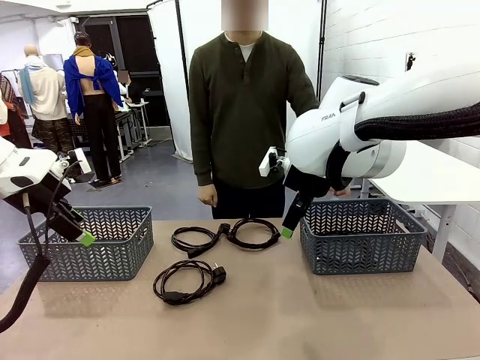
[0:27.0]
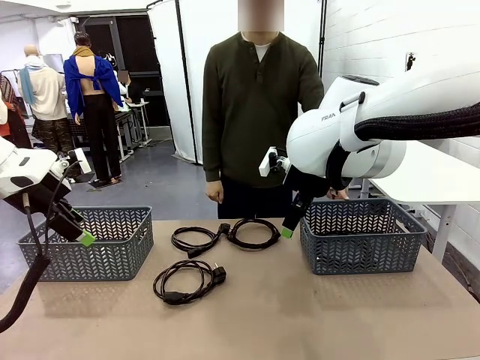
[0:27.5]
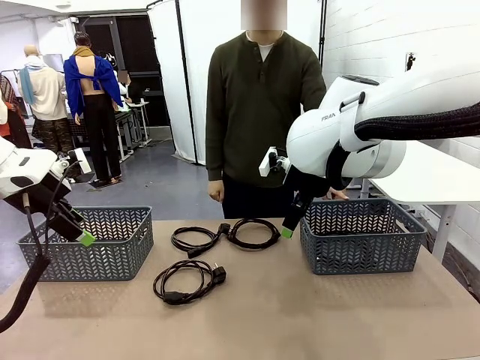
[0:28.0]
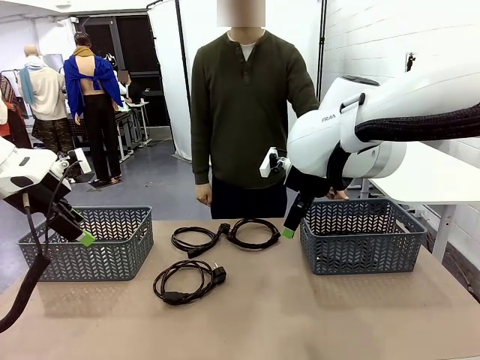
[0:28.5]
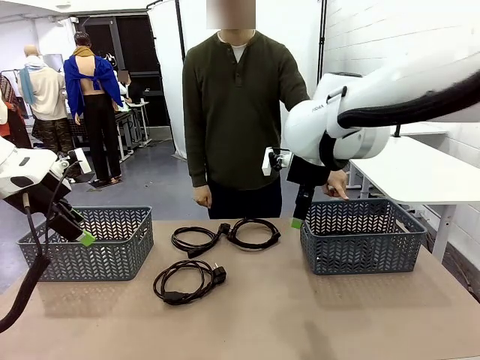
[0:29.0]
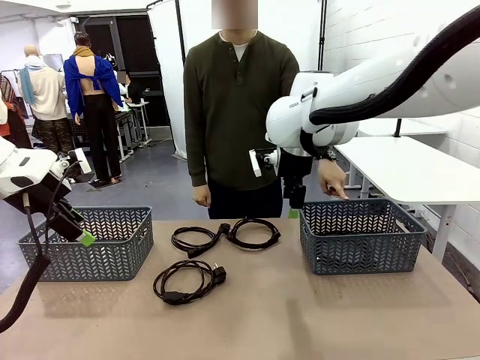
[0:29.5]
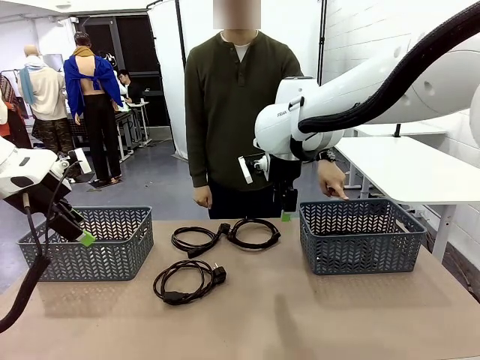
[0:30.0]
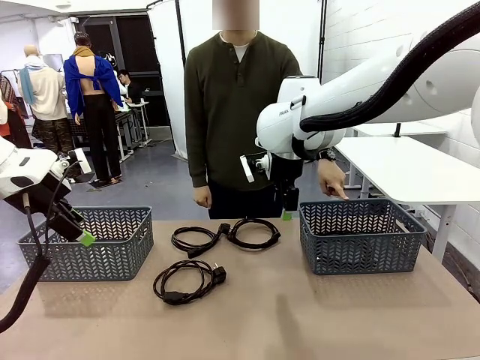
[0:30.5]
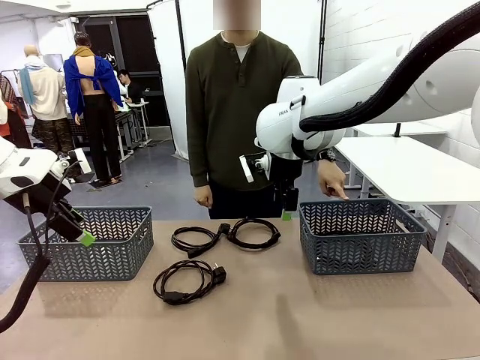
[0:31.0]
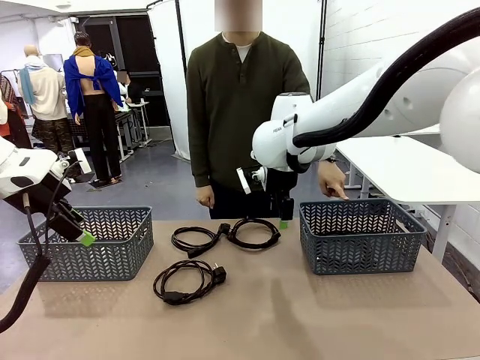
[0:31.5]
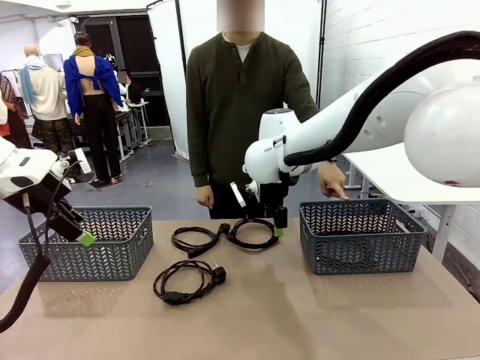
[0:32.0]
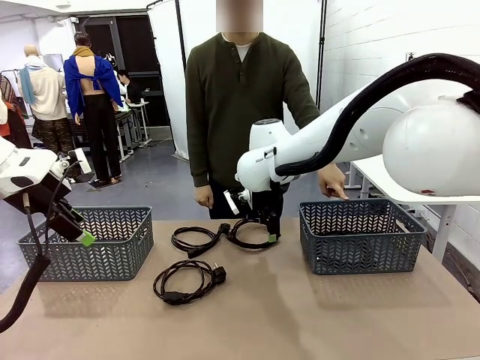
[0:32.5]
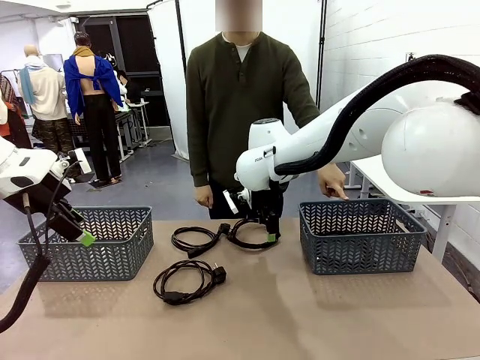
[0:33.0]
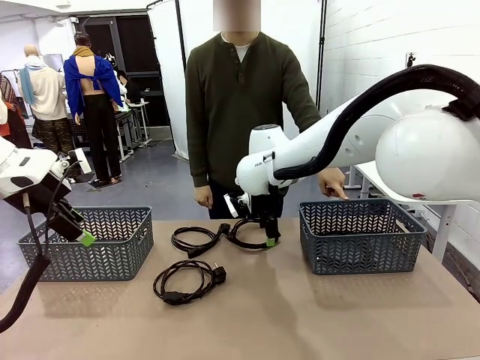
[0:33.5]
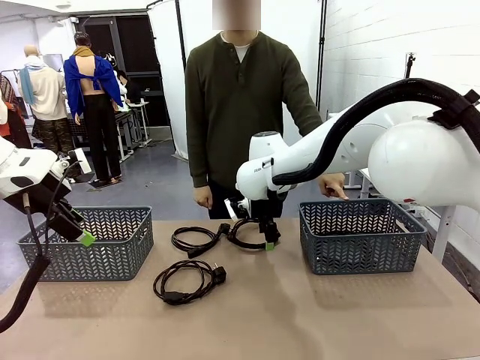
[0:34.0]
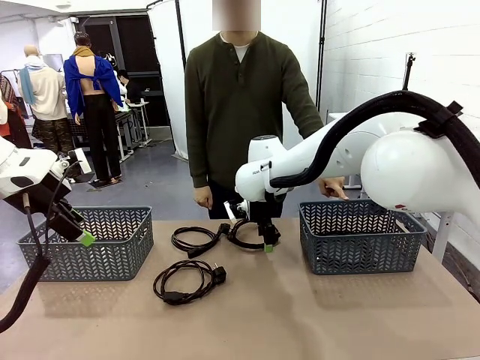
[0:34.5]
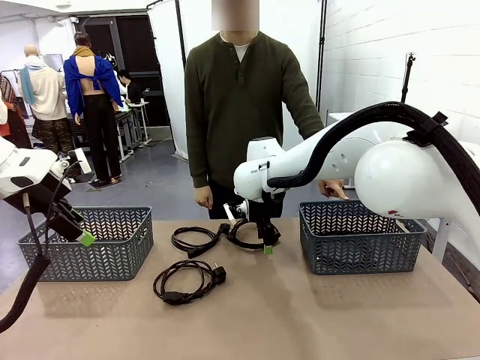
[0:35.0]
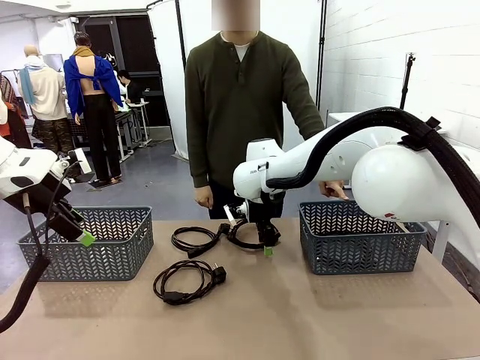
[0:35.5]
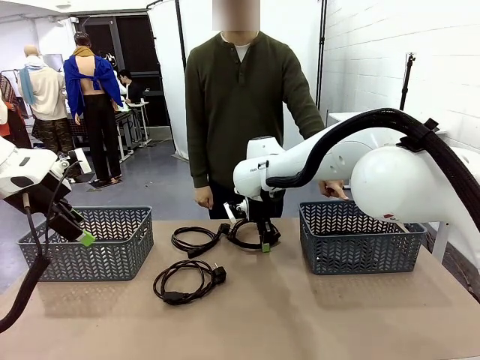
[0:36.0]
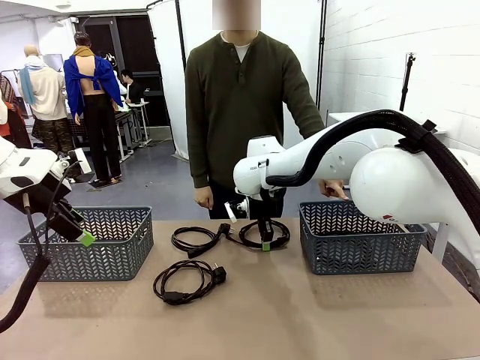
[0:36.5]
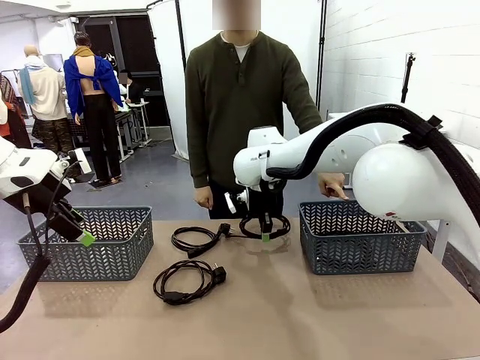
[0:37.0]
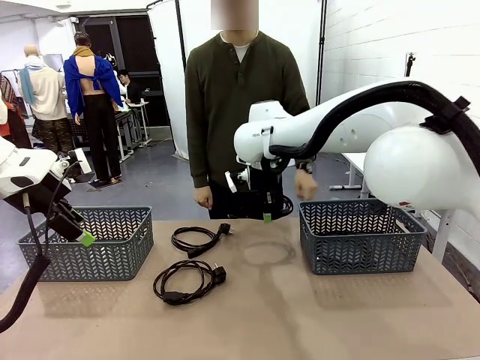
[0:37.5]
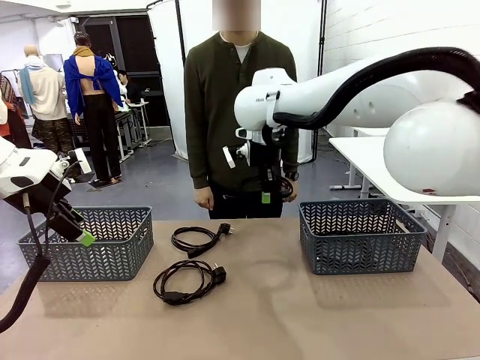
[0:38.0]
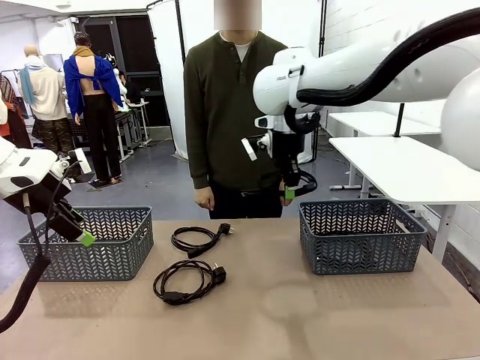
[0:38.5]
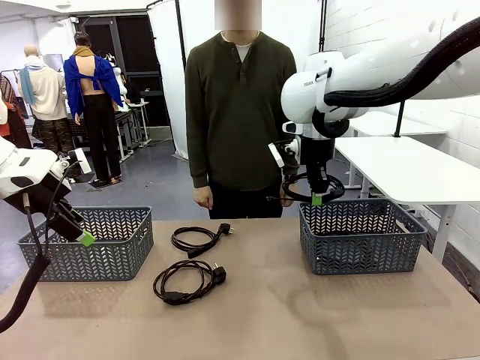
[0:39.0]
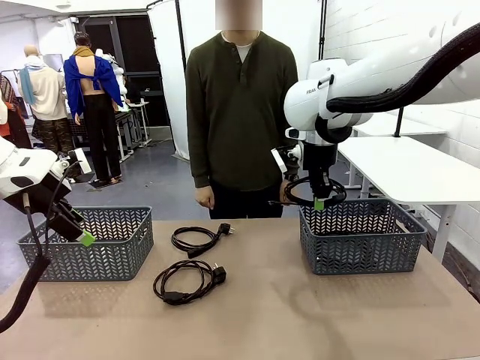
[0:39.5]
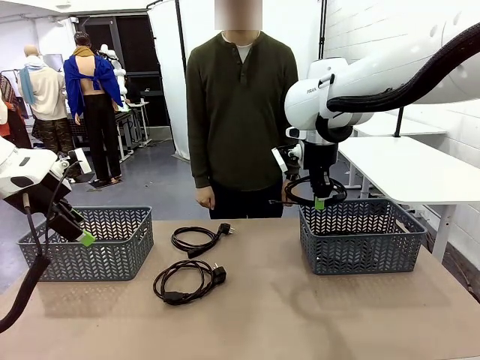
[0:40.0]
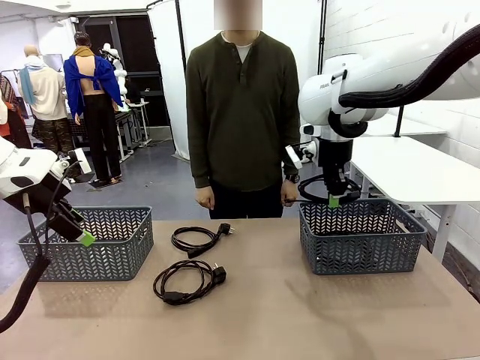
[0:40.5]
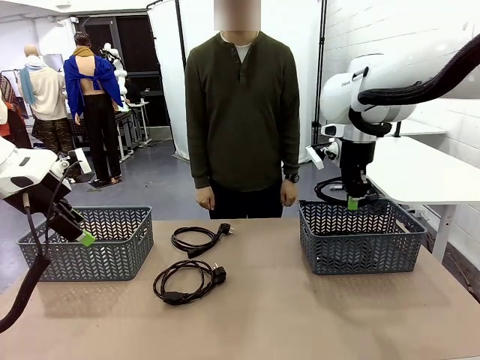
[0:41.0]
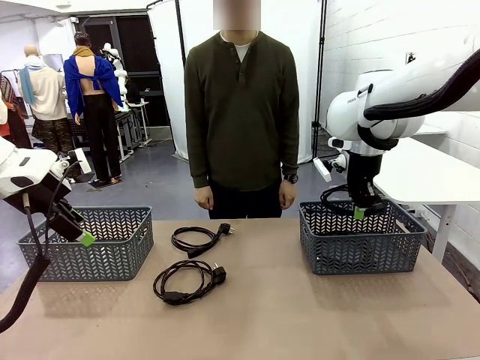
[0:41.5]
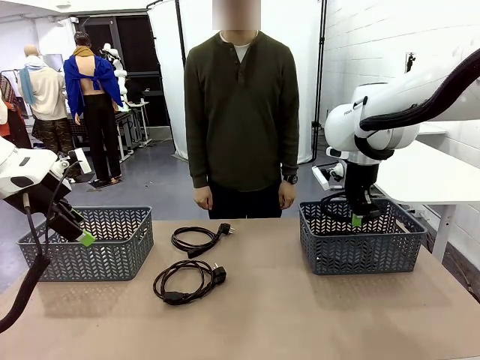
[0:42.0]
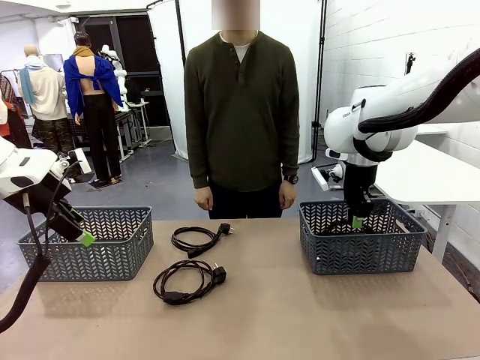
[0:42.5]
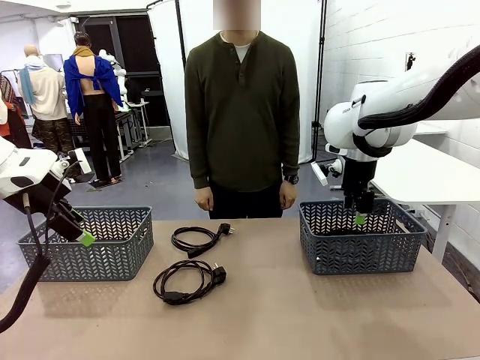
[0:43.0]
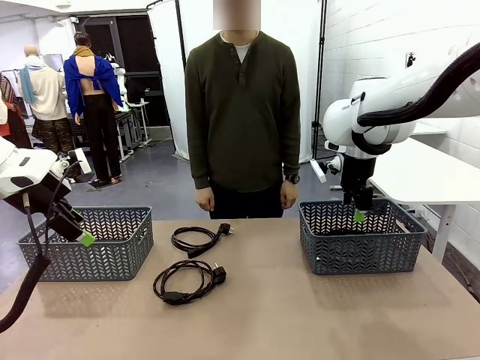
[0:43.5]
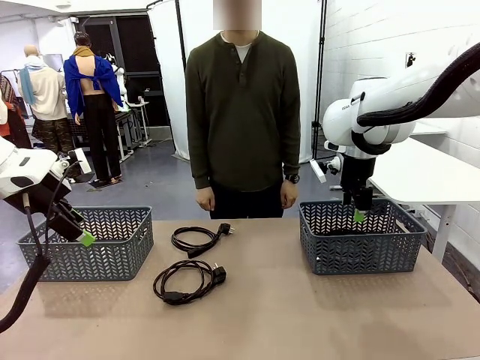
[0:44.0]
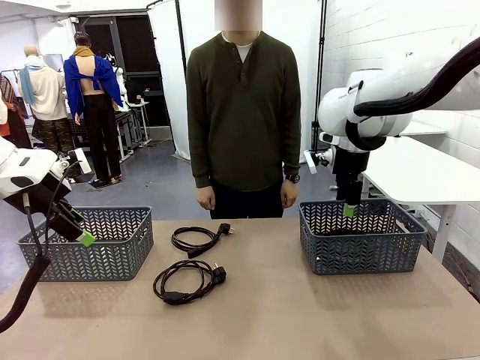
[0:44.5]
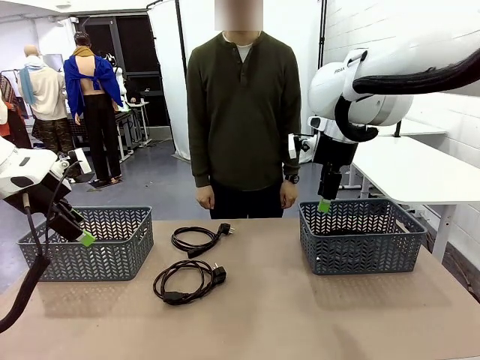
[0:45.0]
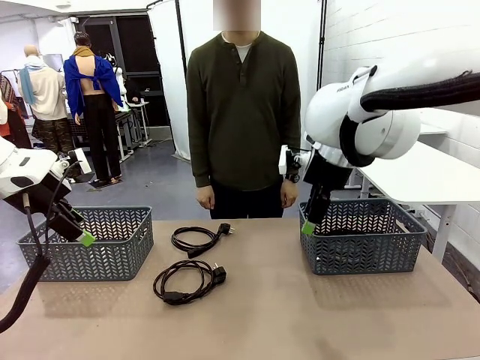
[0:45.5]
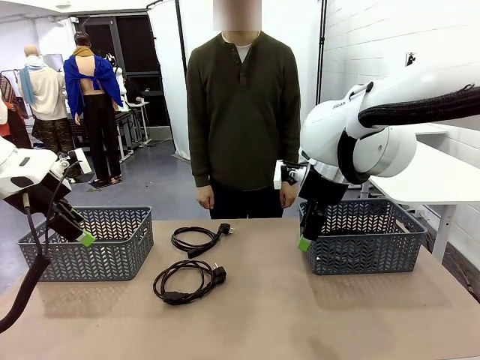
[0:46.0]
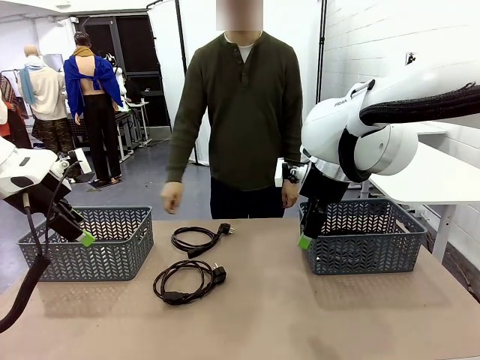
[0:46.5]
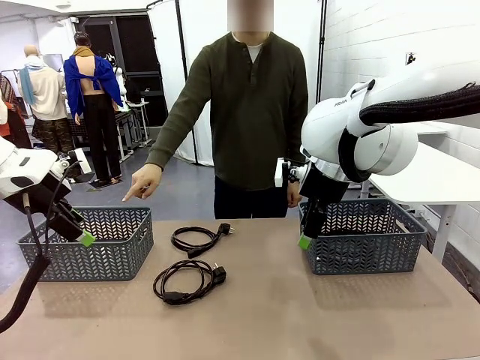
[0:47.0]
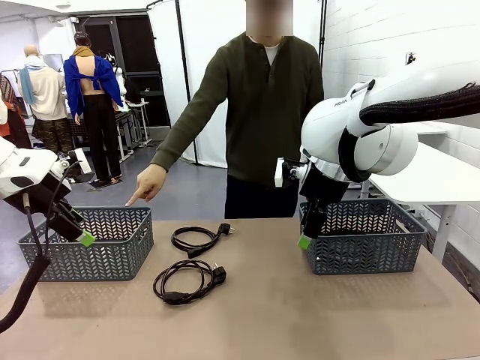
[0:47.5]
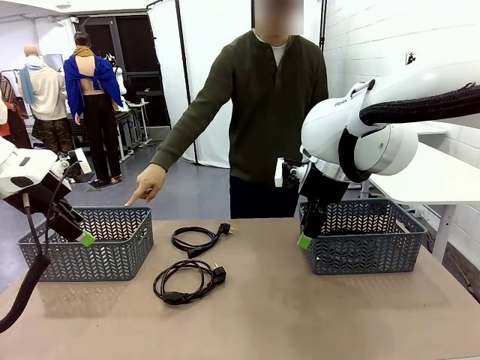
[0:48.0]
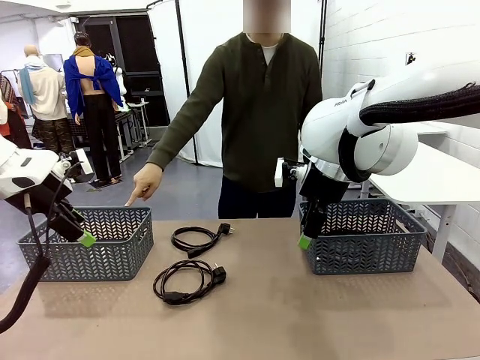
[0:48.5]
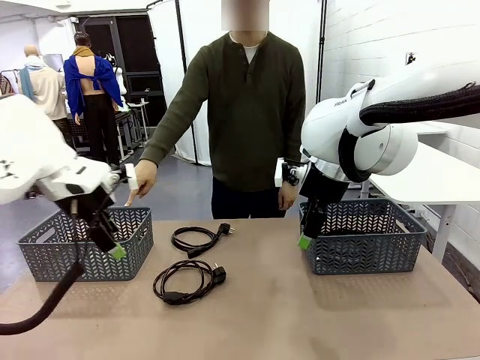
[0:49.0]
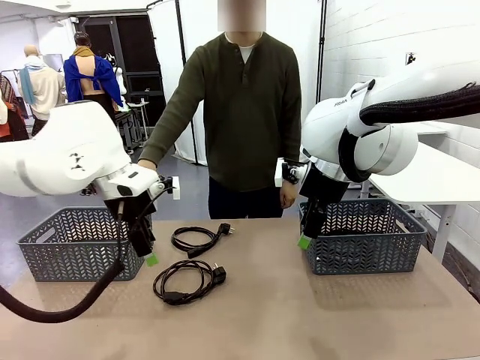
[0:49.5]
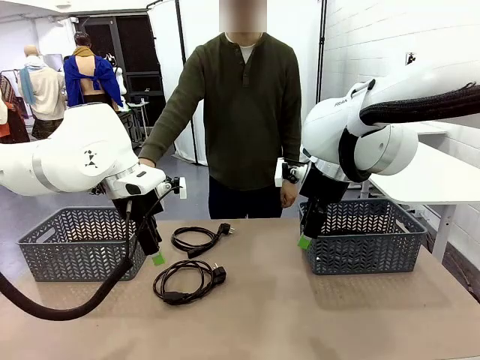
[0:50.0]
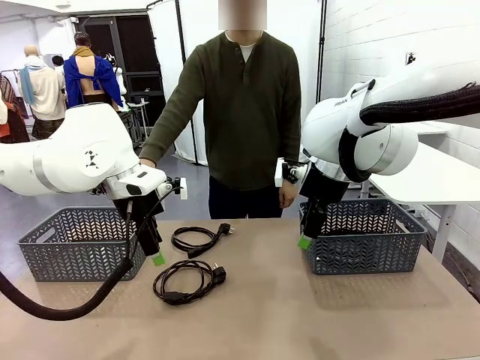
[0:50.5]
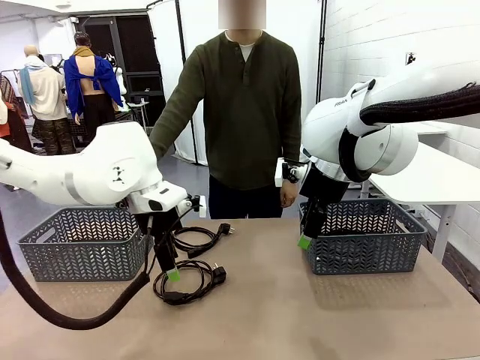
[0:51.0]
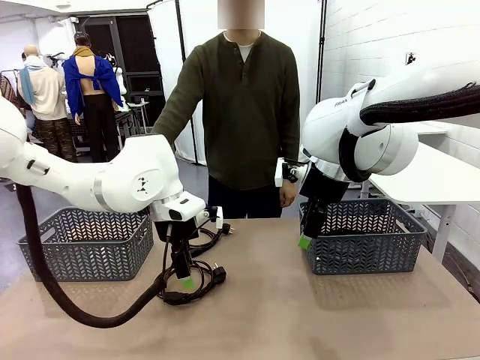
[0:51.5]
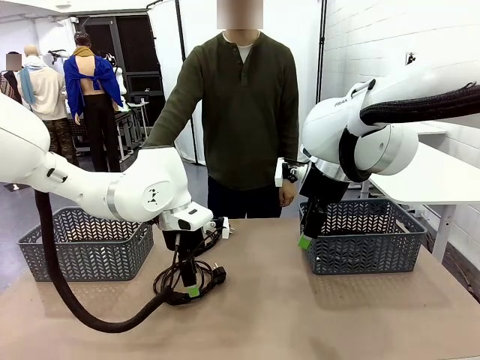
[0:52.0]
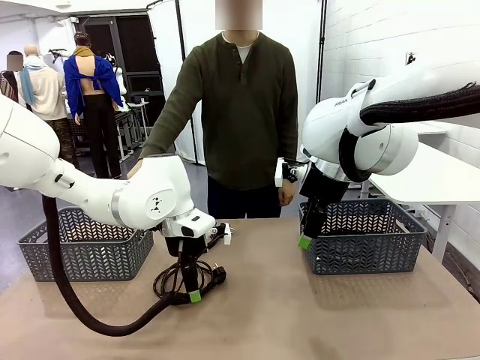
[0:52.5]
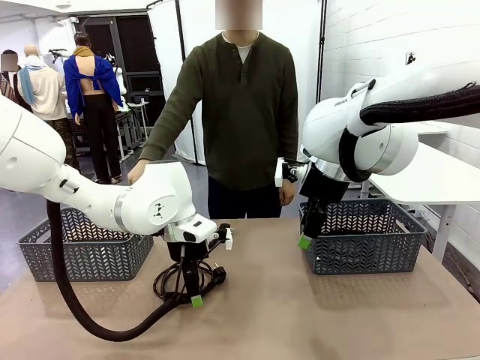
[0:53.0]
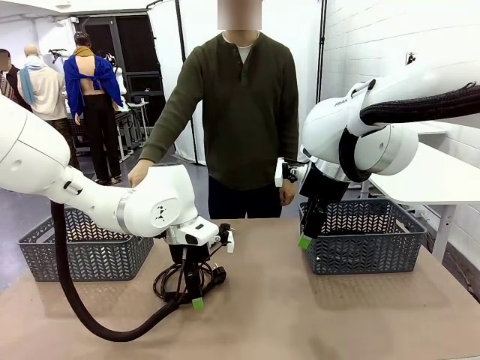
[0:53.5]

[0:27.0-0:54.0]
Task: Organize the cables according to human instructions.
Robot: Pick up a bundle of cables and place it in the basket indicated by the human.
